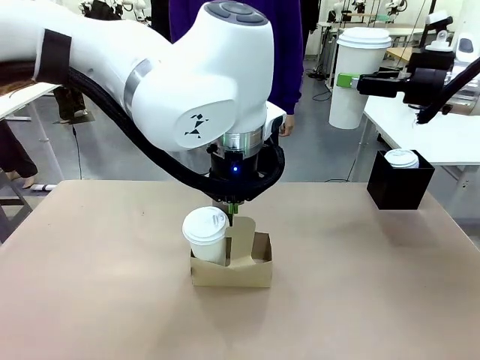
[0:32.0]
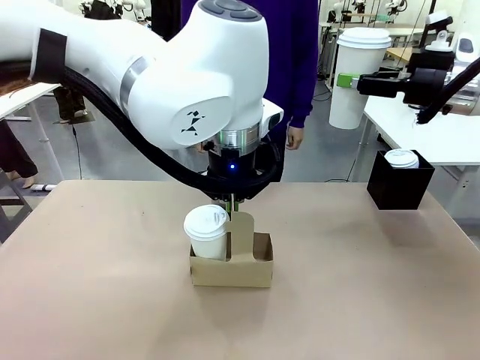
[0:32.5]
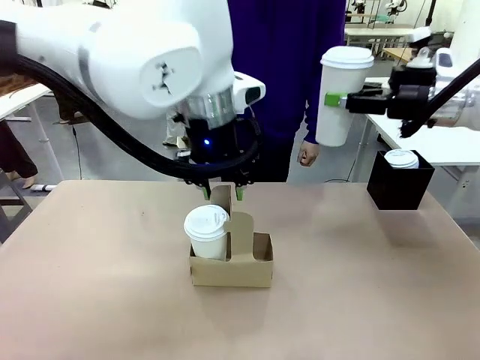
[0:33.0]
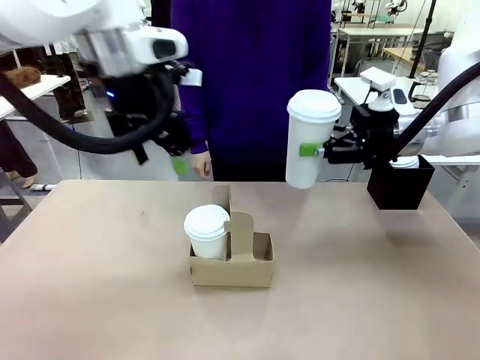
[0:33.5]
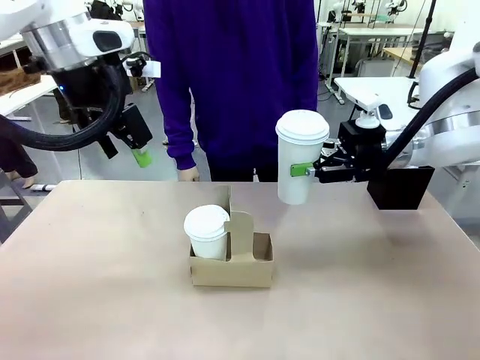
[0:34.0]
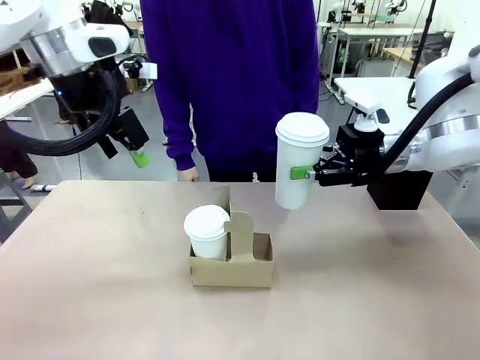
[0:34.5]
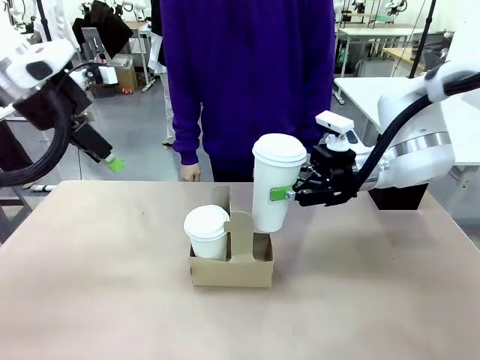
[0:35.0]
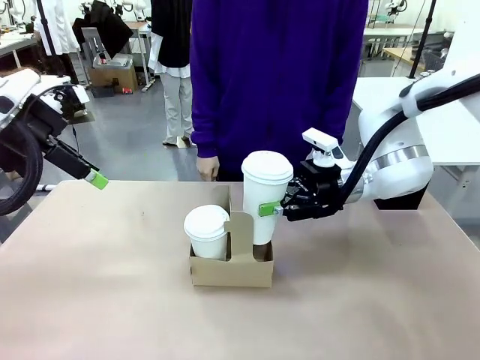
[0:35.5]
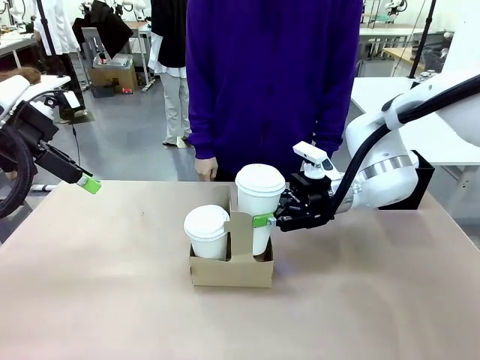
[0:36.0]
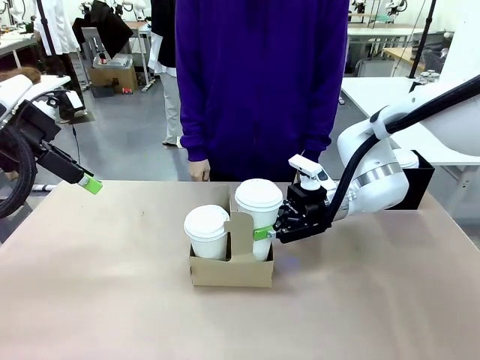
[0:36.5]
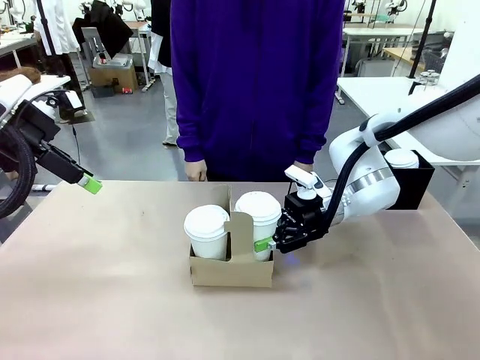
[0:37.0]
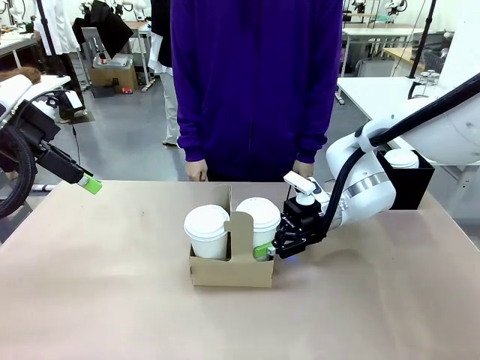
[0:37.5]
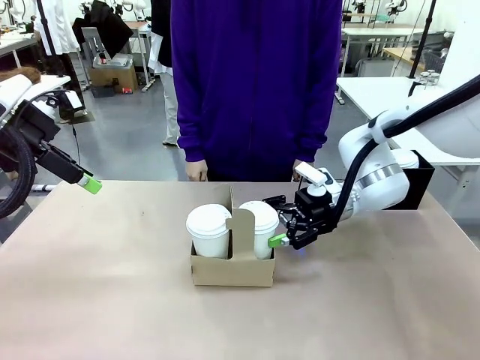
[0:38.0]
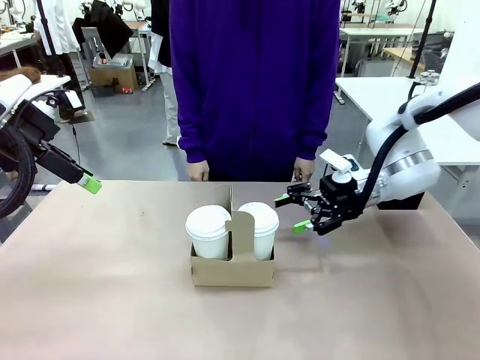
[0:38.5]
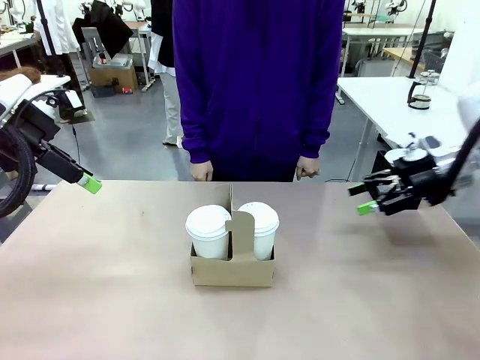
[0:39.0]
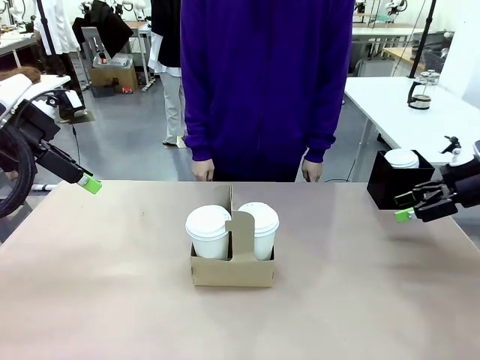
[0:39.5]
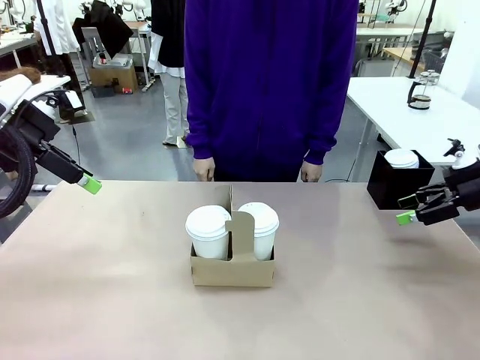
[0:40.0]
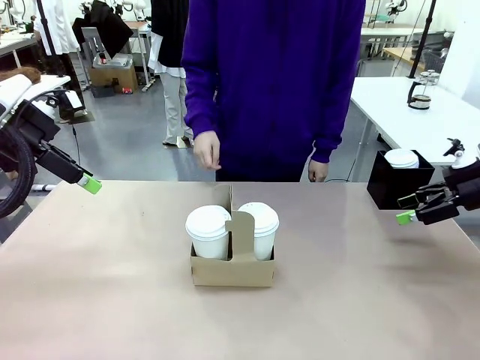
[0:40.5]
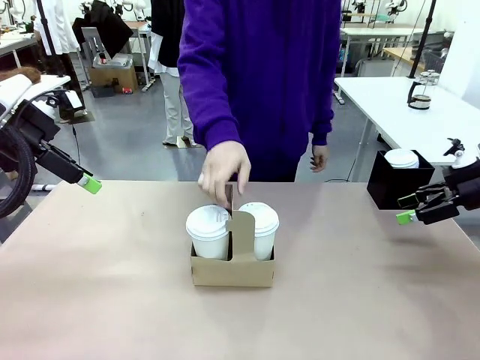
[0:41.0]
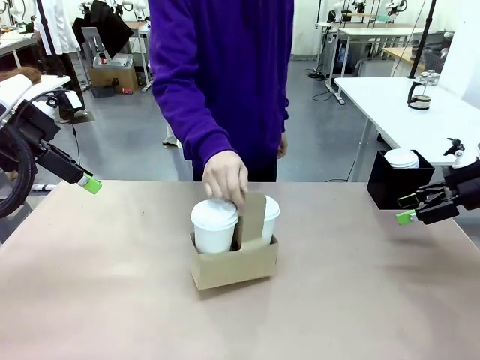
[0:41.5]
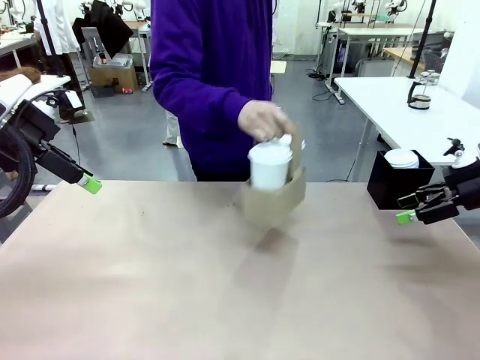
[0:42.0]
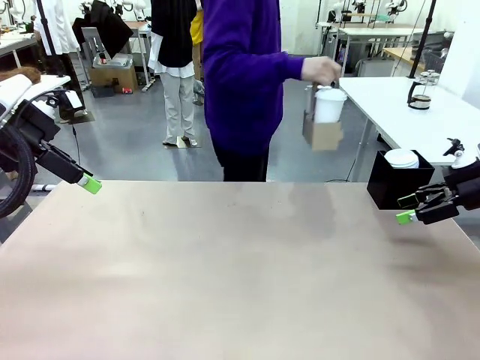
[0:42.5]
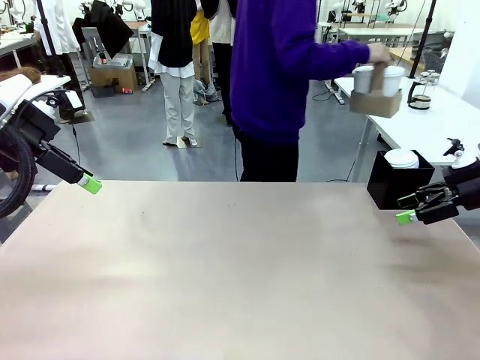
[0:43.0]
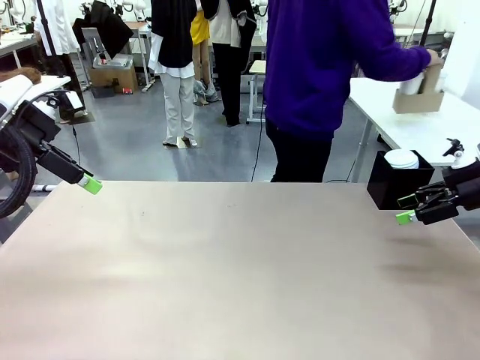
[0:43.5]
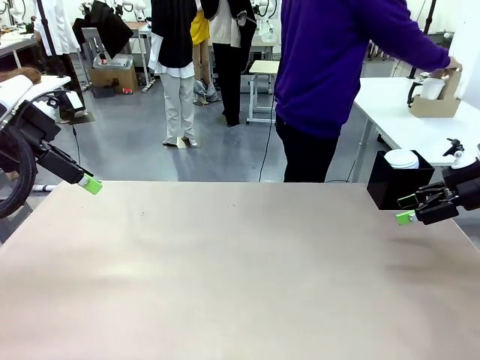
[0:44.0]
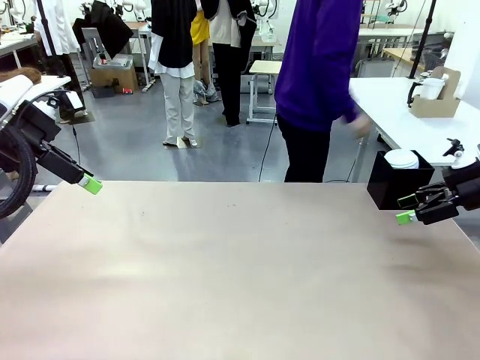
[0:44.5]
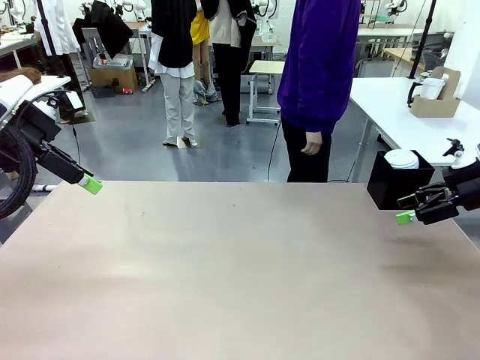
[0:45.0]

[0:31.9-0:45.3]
Task: Pour a drink into a cup and package it in a carrier.
Robot: Insert the held 600 ml Paper Cup into the Cup Carrier.
Person: Place the Cup Carrier to the middle of Human table.

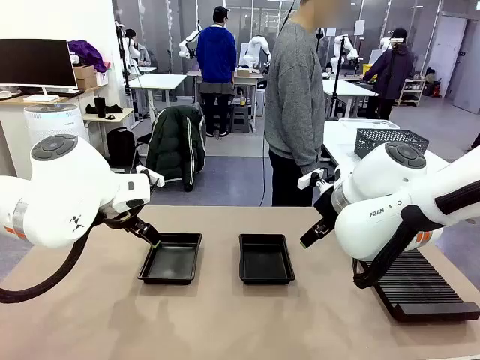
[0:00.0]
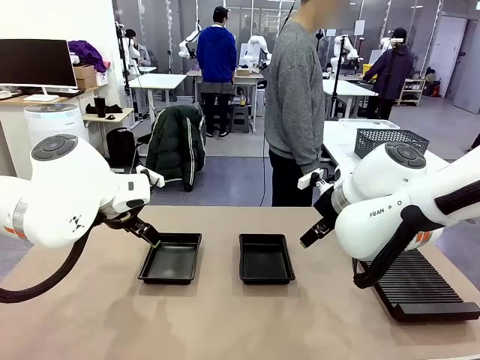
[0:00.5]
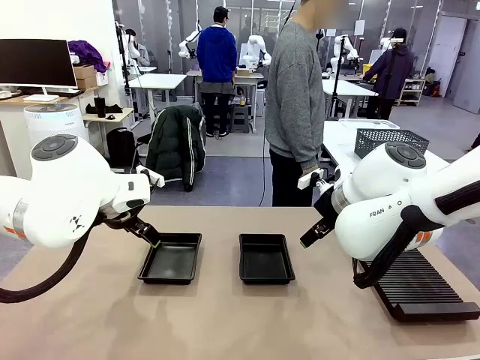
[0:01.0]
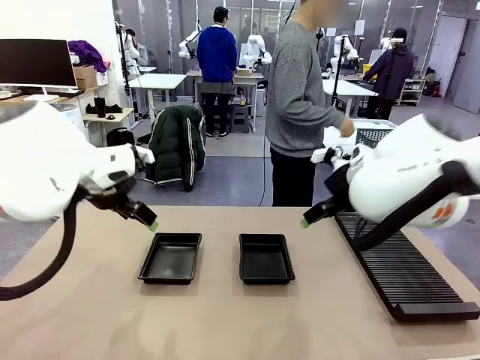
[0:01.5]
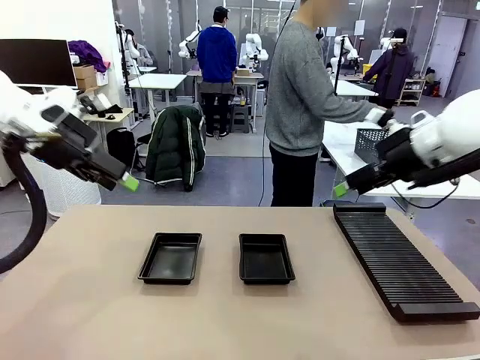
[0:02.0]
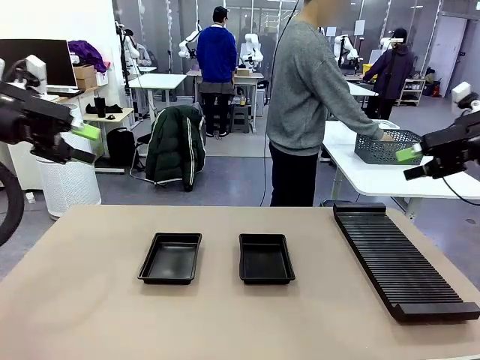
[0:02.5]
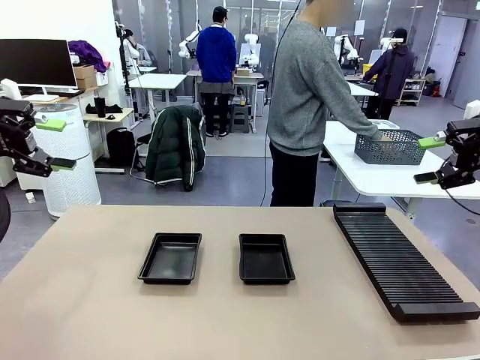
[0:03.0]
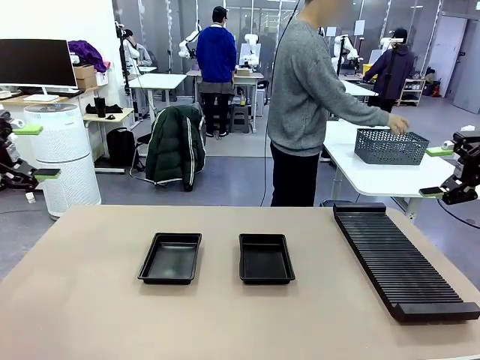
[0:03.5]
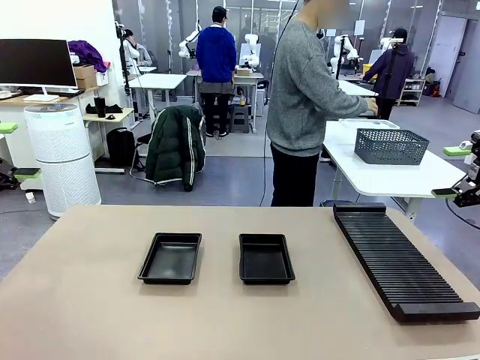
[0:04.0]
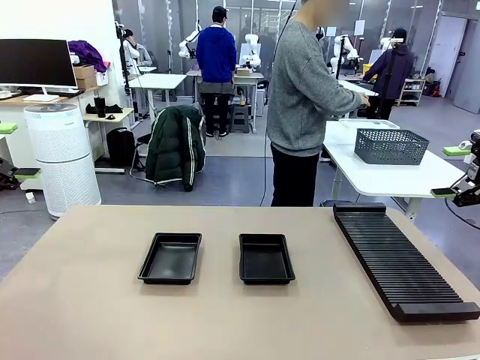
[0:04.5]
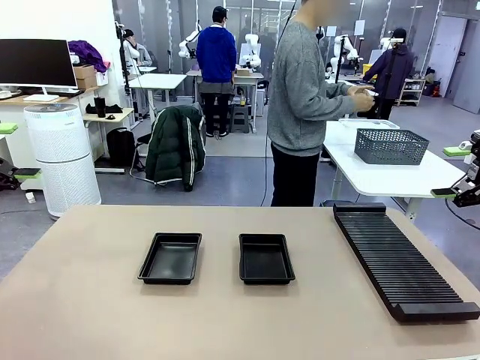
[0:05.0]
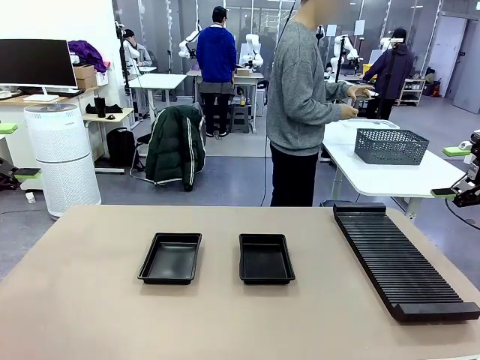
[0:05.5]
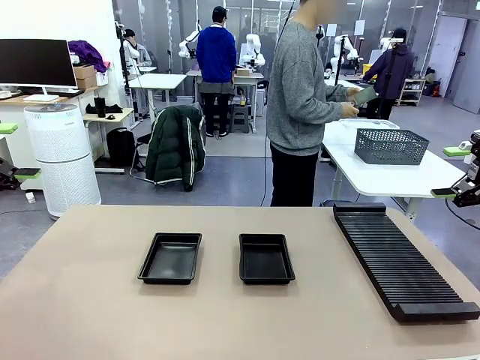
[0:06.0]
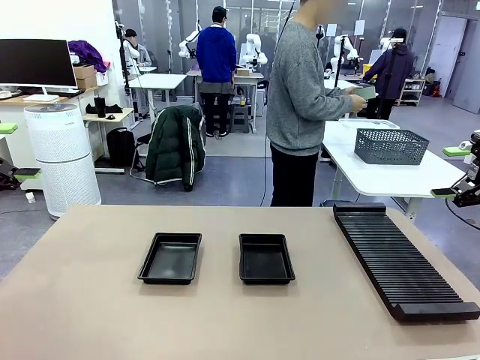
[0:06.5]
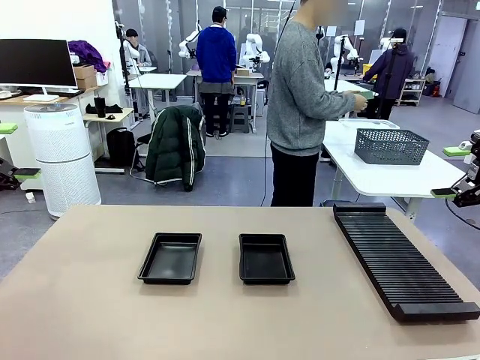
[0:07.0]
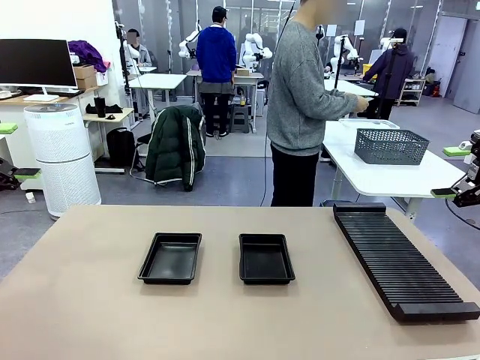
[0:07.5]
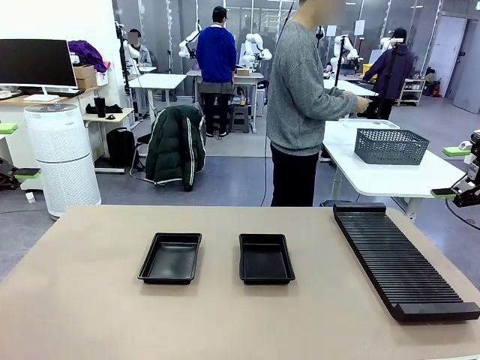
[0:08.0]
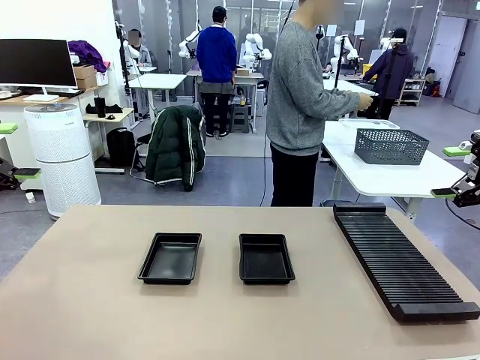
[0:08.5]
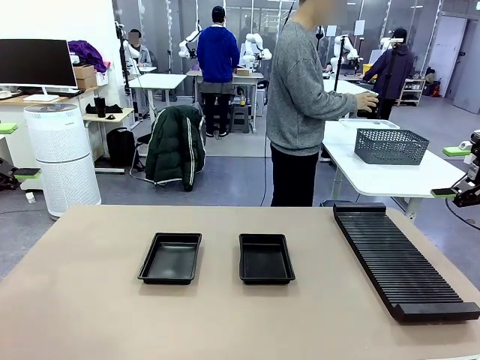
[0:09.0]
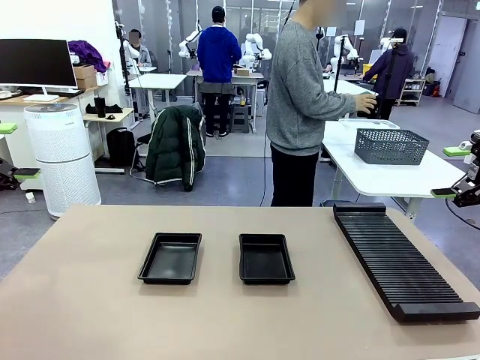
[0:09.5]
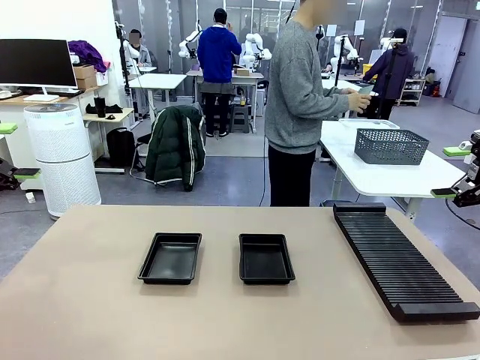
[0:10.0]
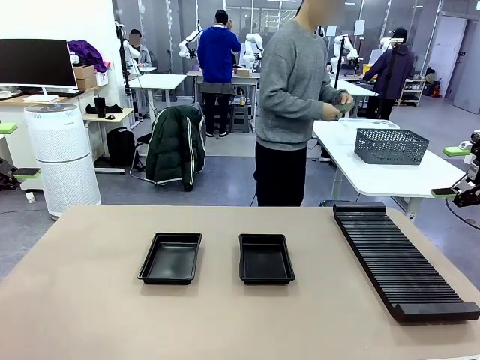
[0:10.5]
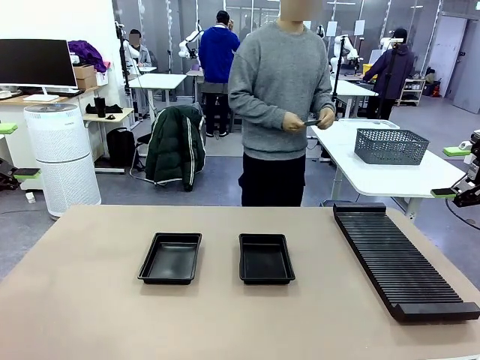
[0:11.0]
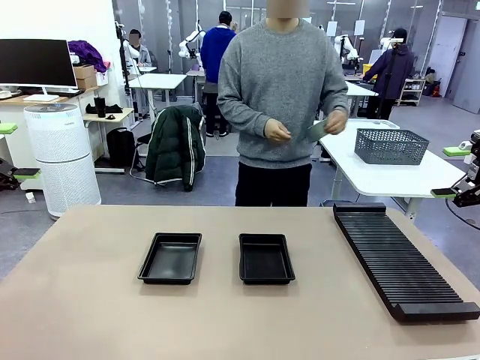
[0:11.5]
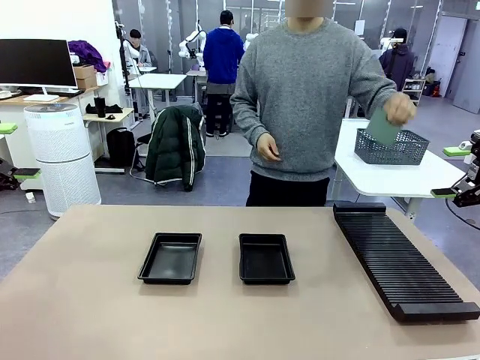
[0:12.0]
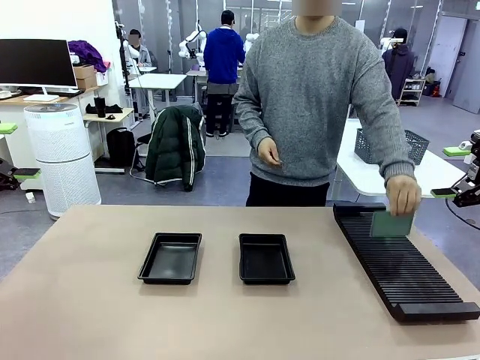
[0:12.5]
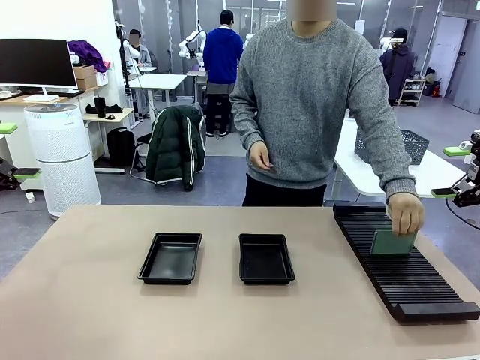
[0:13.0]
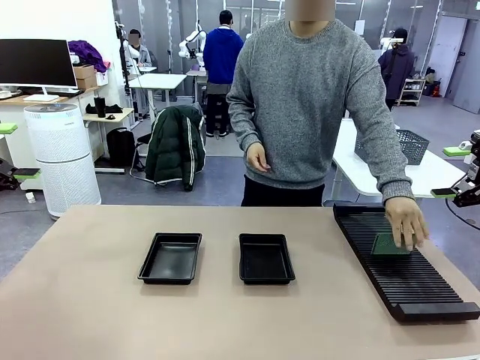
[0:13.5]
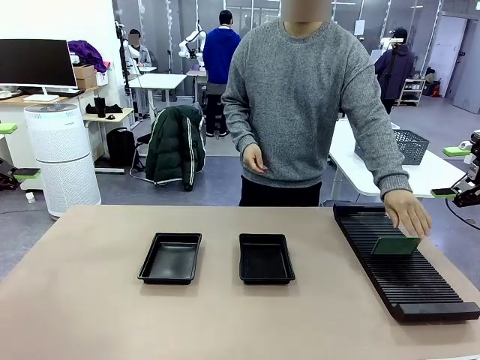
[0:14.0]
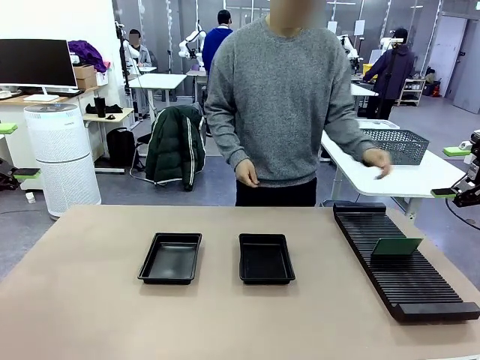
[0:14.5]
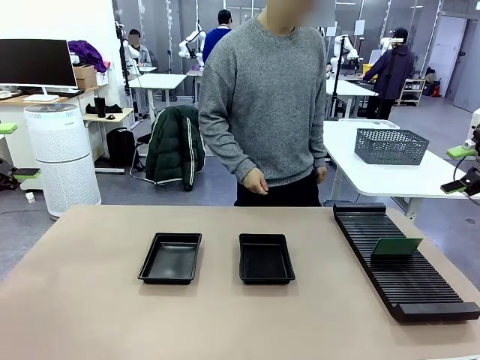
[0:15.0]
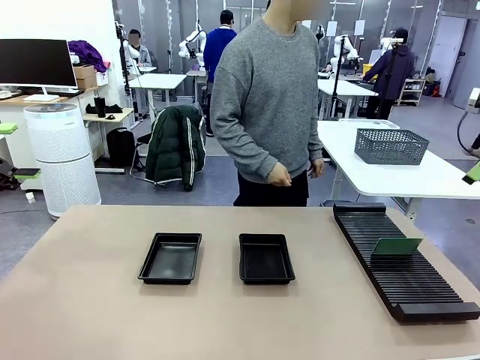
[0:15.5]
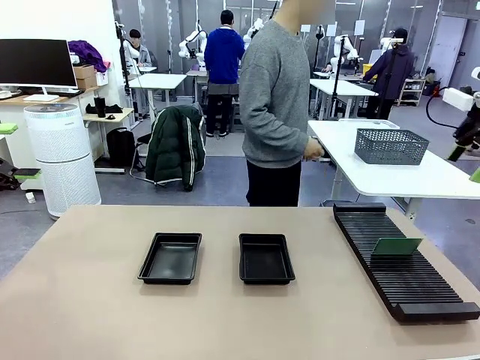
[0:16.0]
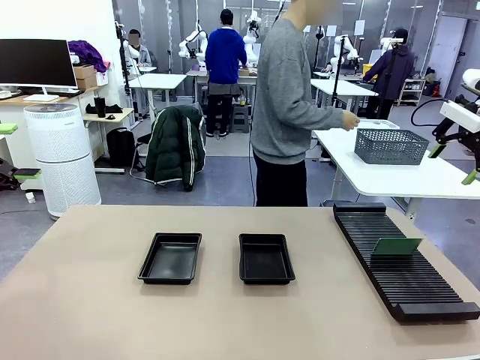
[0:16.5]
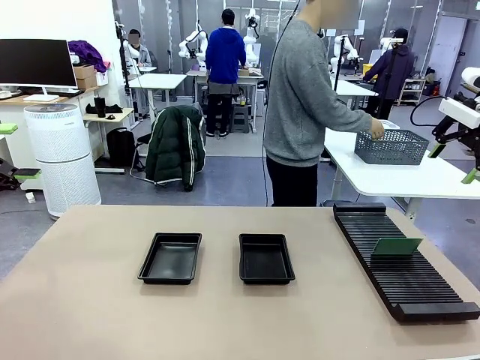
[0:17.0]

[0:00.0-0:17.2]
Task: Inspect and transfer BCBs to ESD trays.
Robot: Pick up the Blank PCB from the PCB Rack and place it in the left ESD tray.
